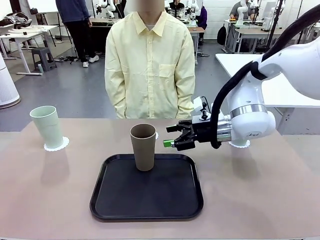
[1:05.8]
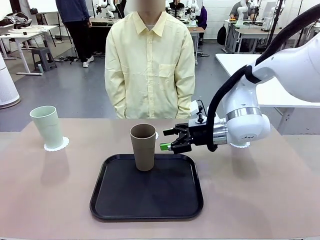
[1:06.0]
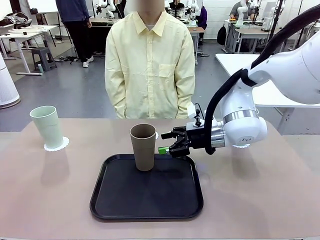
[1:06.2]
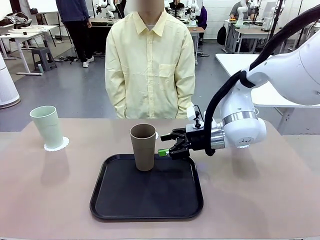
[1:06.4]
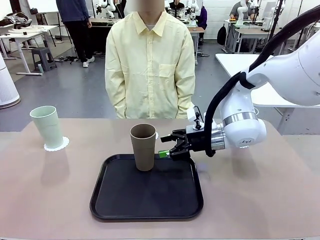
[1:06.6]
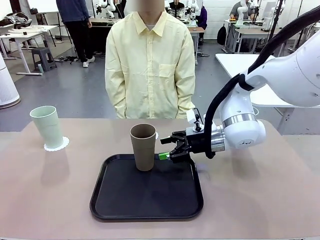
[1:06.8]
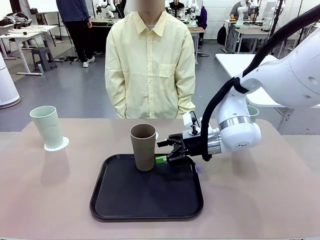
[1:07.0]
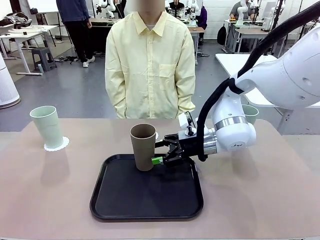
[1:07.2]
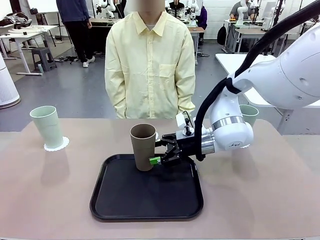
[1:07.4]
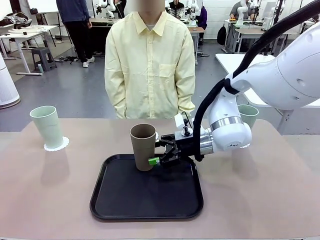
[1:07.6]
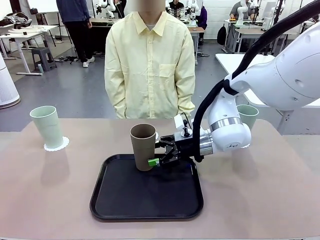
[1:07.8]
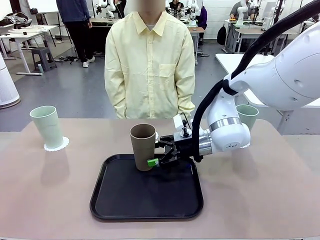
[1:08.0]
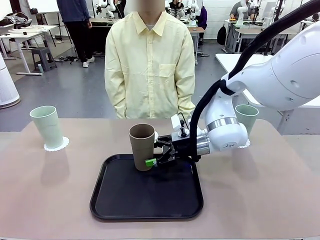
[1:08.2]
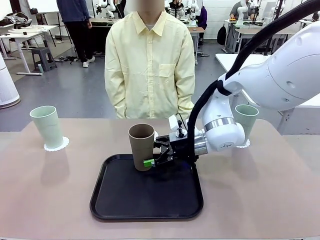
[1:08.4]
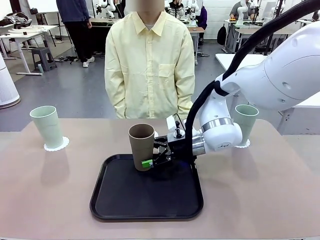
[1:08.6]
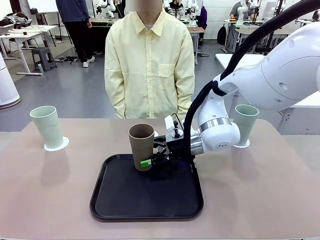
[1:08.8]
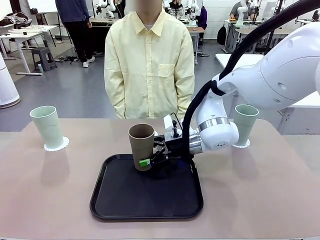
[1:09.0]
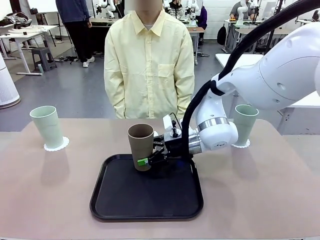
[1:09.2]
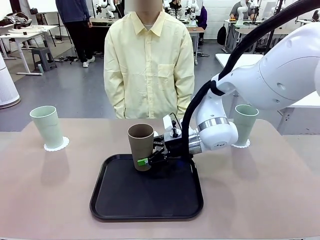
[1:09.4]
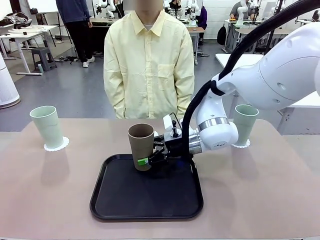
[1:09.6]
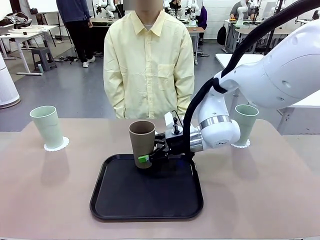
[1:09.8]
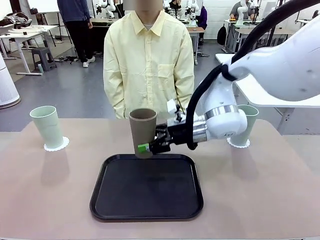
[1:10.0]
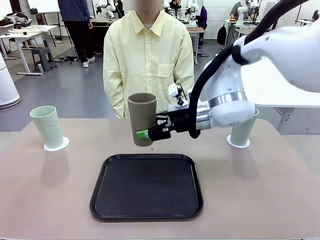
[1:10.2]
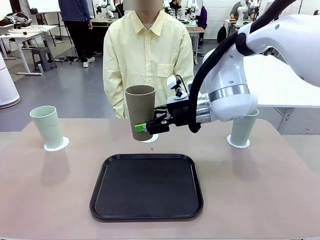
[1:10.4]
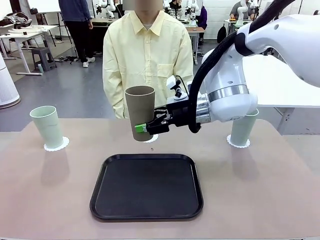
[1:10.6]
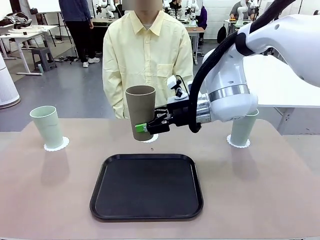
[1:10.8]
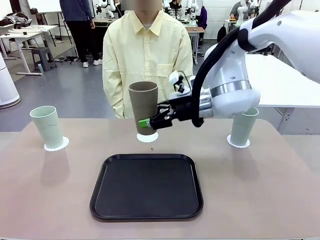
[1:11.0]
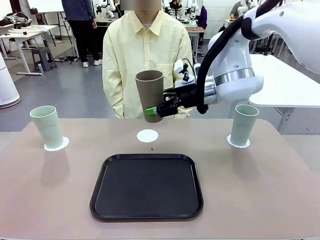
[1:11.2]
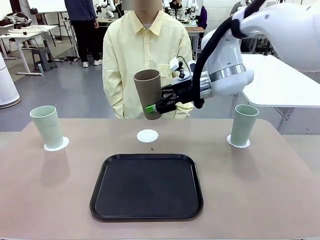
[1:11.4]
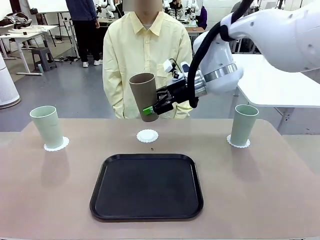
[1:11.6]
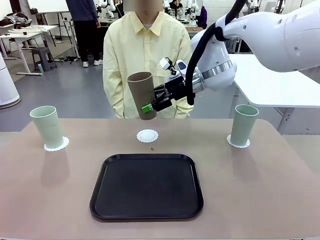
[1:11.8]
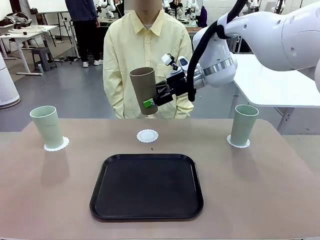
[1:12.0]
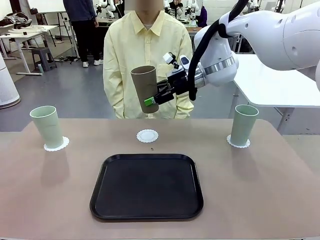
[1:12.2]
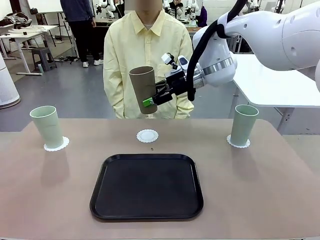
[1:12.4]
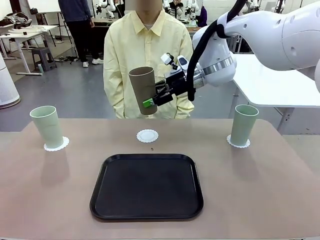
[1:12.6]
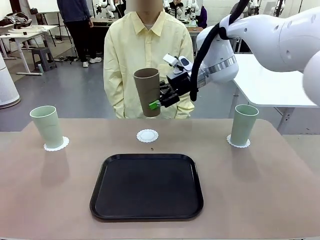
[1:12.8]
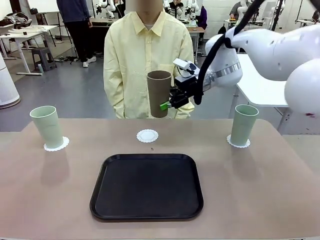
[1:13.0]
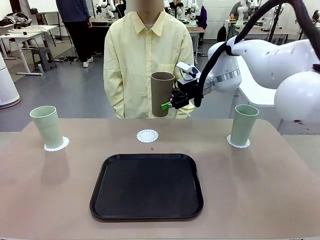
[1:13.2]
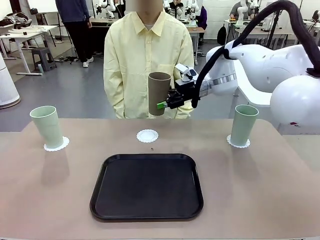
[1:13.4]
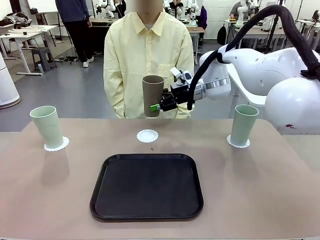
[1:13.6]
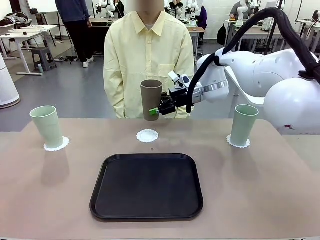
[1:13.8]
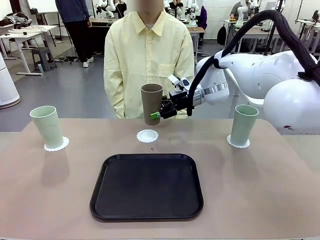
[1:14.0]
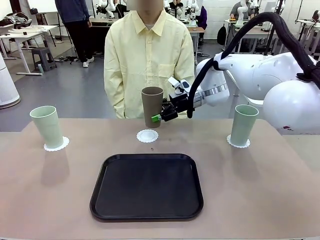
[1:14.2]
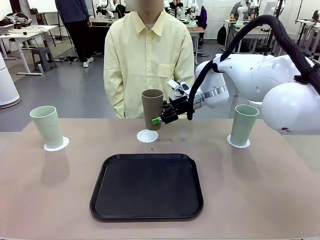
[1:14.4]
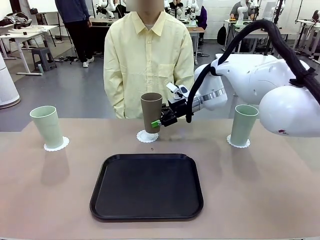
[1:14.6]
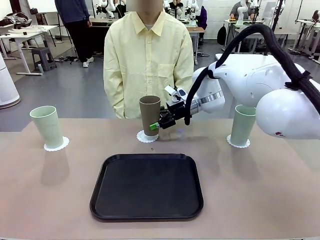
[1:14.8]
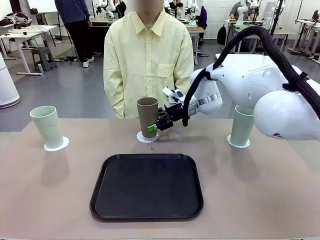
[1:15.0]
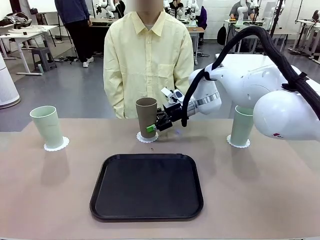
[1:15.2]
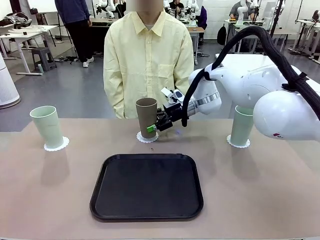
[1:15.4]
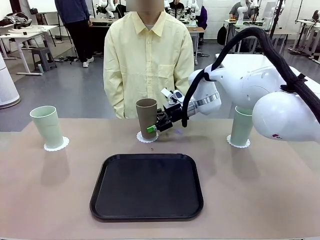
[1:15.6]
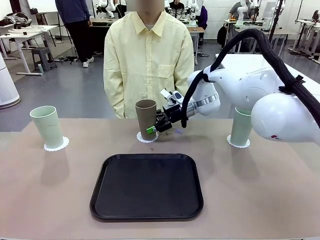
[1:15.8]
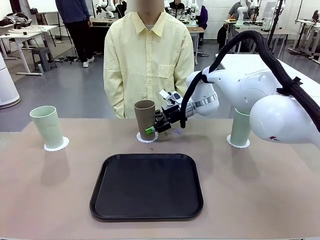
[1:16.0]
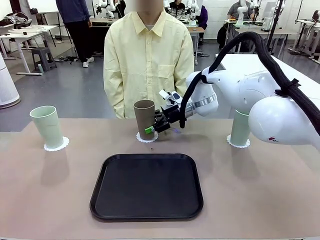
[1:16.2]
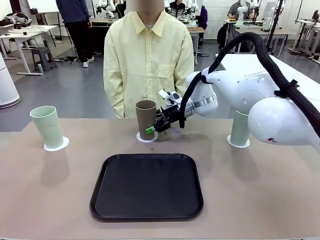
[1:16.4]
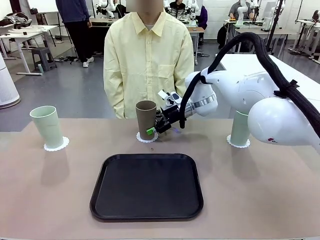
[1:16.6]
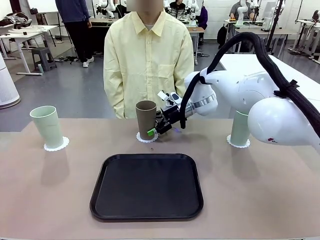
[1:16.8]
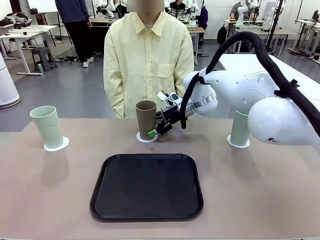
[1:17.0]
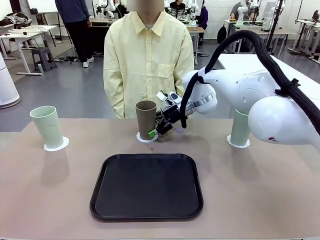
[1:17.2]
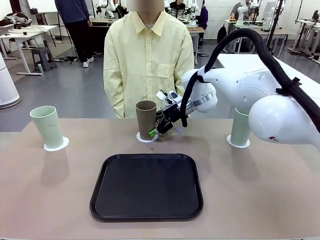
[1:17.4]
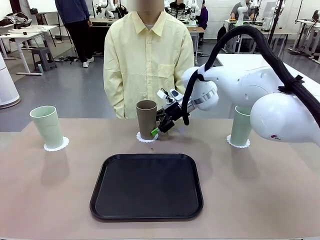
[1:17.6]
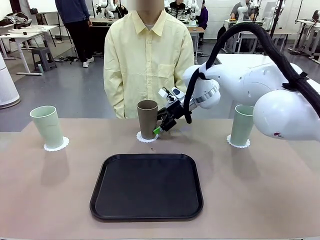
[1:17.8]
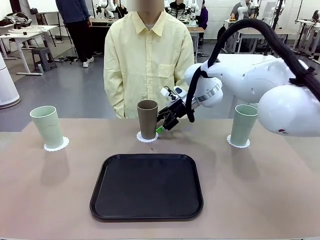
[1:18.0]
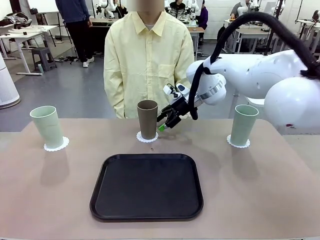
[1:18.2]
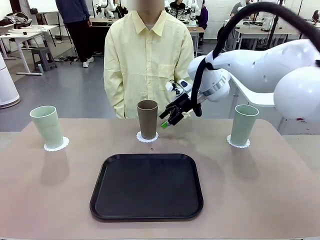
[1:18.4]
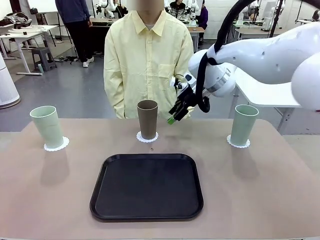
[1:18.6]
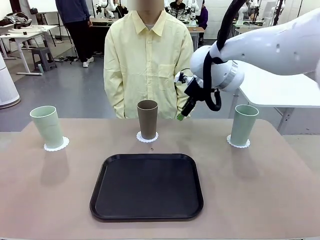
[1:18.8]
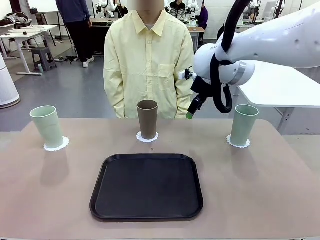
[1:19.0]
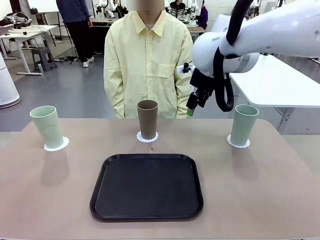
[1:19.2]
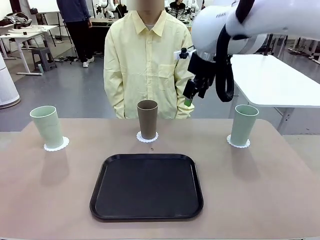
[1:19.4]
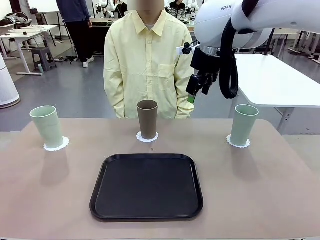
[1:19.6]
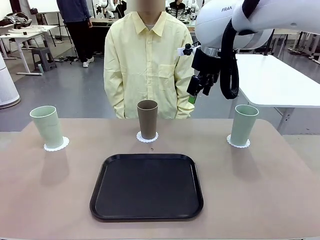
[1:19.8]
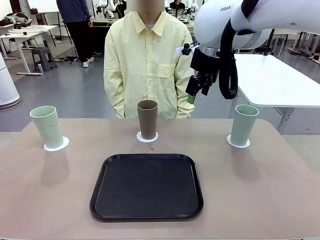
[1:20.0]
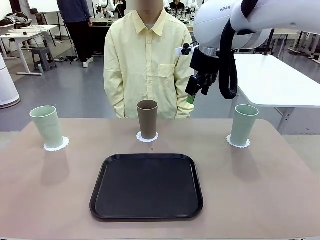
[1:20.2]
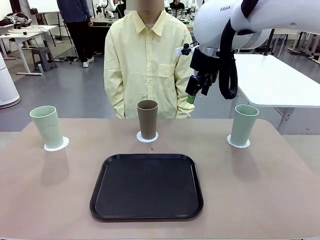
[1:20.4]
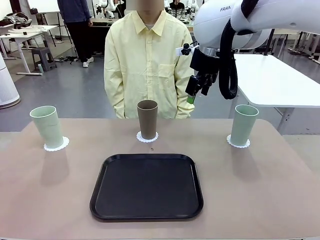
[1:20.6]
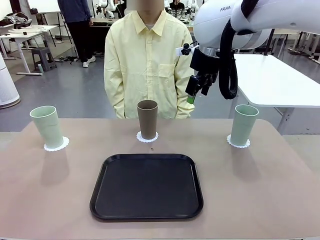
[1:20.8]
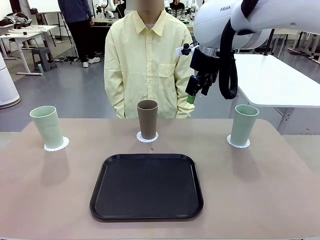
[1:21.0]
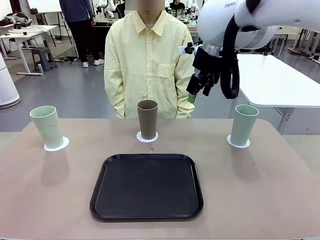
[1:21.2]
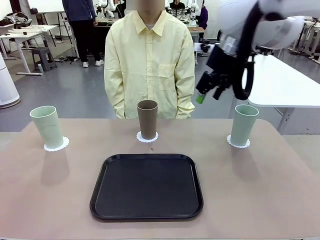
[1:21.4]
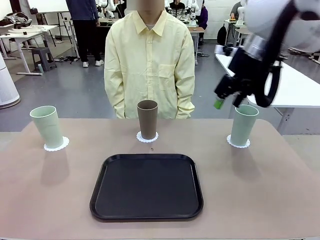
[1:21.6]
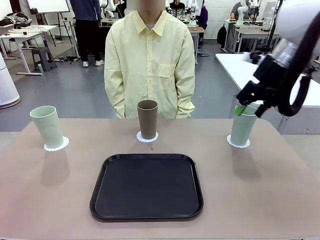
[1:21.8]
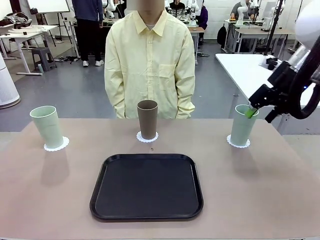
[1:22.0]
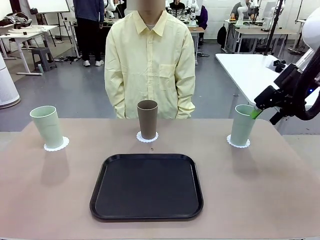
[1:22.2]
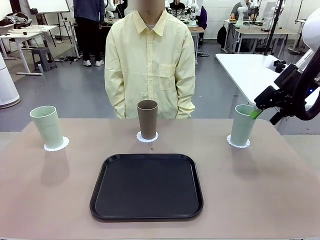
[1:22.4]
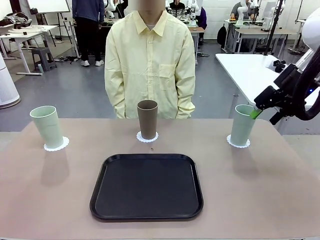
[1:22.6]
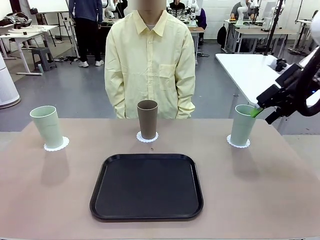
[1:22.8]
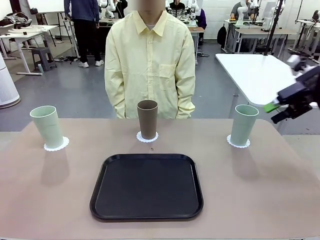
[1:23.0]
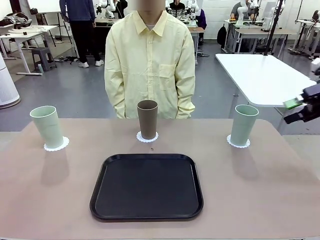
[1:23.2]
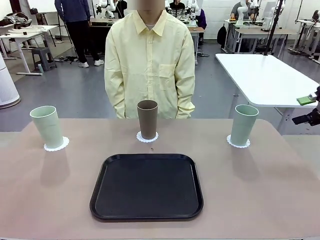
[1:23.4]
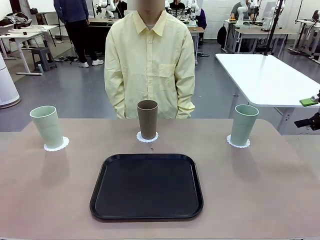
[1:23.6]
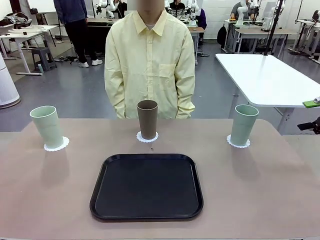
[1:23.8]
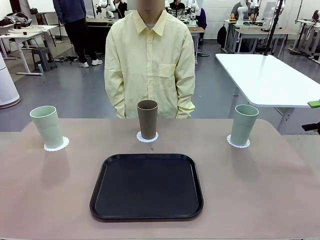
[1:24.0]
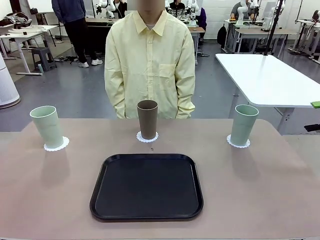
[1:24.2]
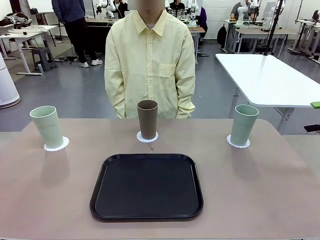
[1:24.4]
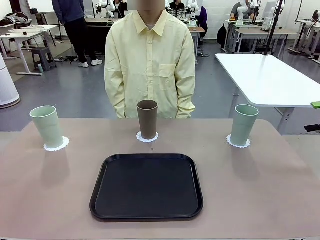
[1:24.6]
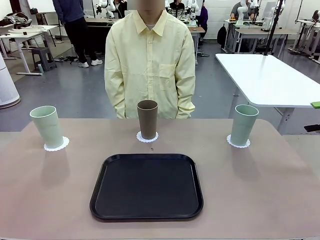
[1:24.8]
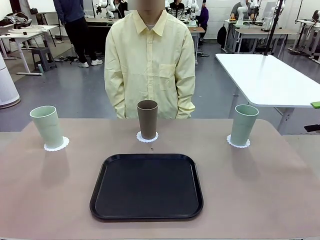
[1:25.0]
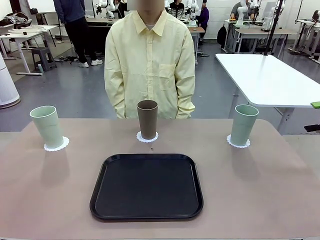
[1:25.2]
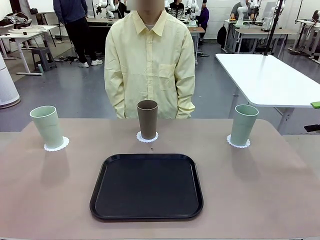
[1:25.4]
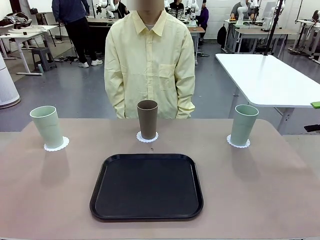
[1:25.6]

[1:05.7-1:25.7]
Task: Place coasters on the table and set cups on them.
Robot: Take one Reusable plastic cup from the Flat Tray and place it on a coaster set by the human.
